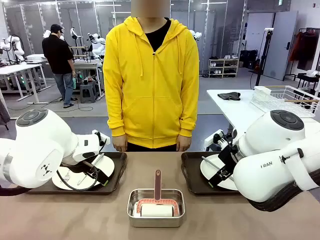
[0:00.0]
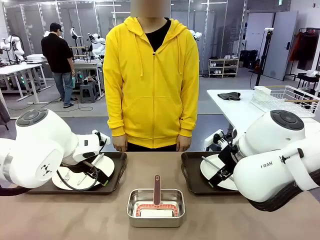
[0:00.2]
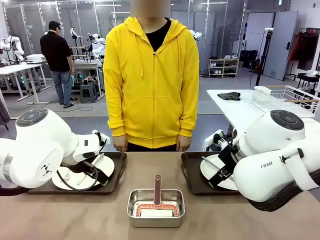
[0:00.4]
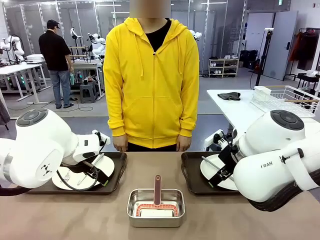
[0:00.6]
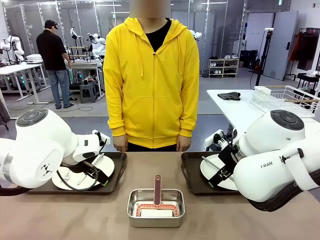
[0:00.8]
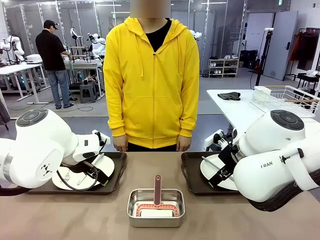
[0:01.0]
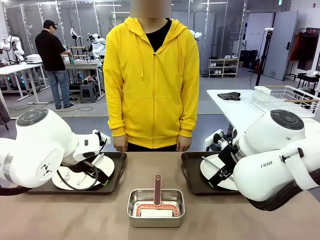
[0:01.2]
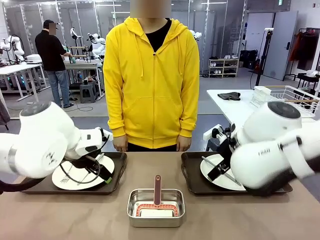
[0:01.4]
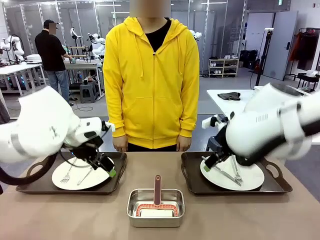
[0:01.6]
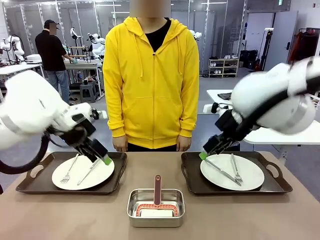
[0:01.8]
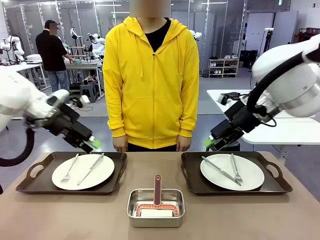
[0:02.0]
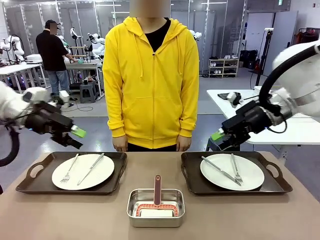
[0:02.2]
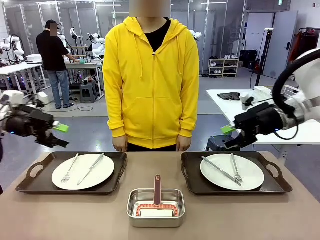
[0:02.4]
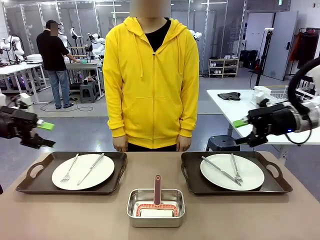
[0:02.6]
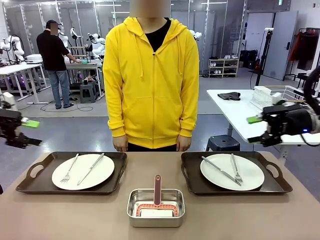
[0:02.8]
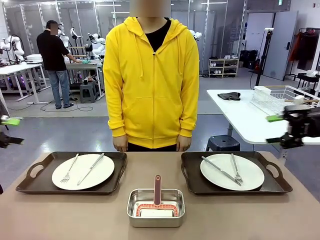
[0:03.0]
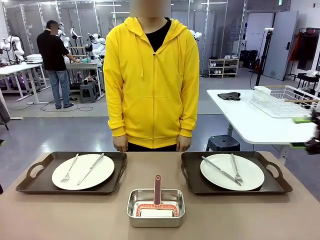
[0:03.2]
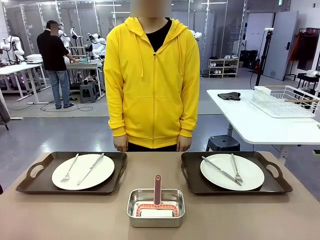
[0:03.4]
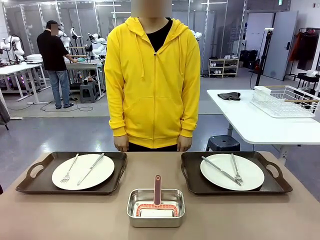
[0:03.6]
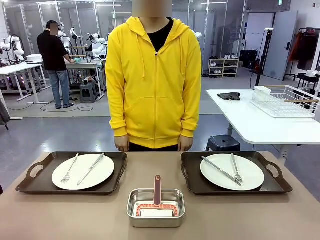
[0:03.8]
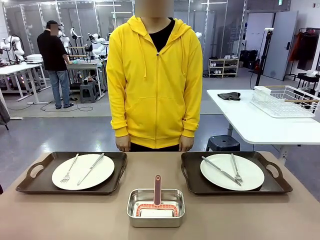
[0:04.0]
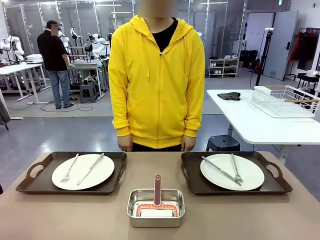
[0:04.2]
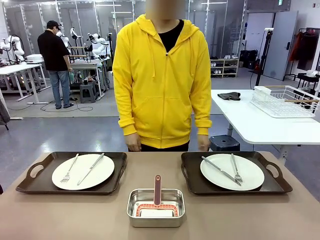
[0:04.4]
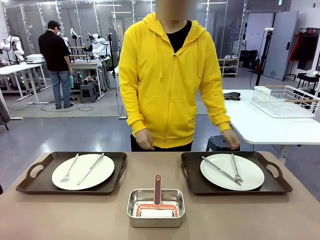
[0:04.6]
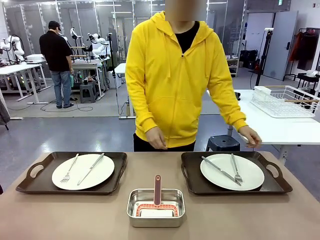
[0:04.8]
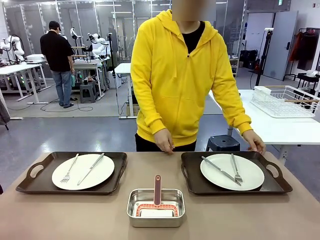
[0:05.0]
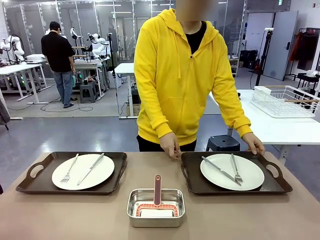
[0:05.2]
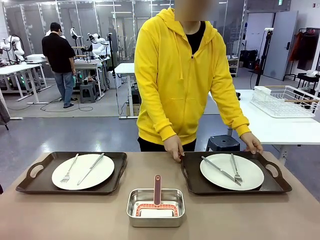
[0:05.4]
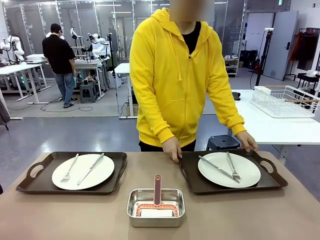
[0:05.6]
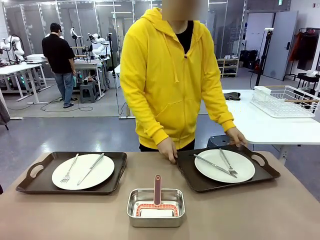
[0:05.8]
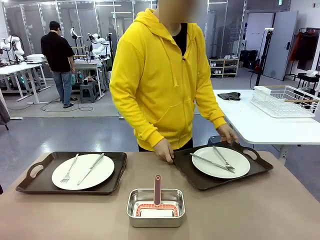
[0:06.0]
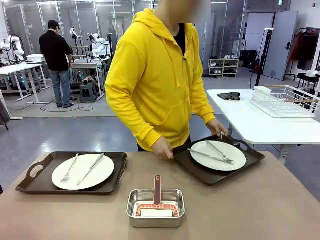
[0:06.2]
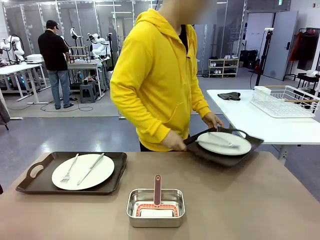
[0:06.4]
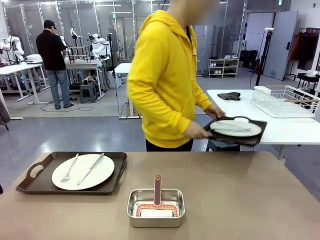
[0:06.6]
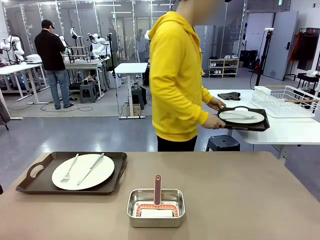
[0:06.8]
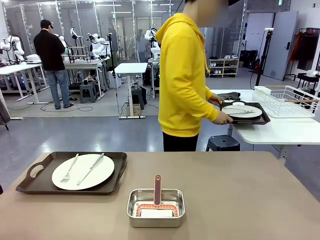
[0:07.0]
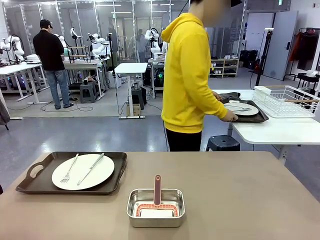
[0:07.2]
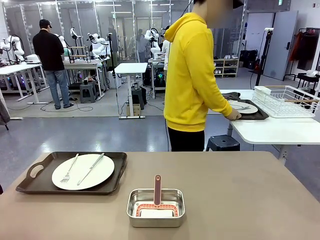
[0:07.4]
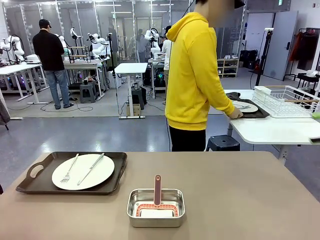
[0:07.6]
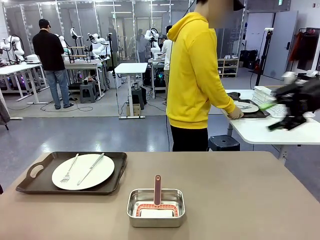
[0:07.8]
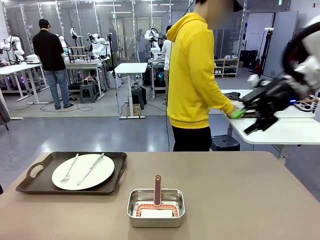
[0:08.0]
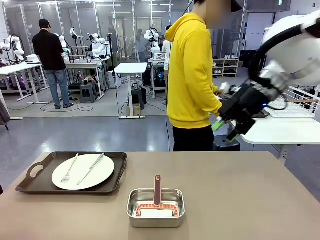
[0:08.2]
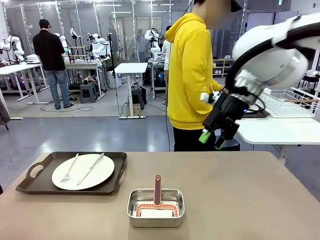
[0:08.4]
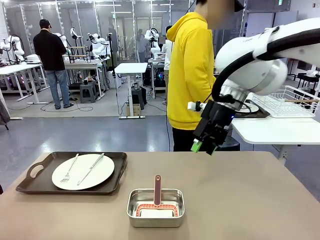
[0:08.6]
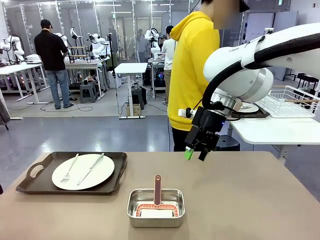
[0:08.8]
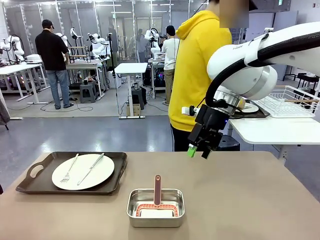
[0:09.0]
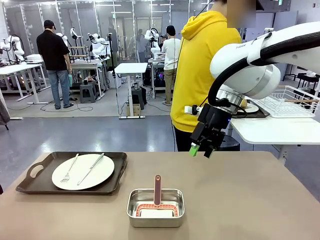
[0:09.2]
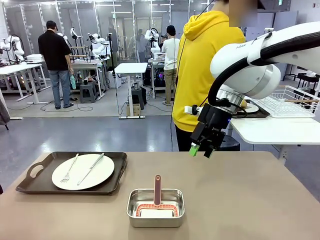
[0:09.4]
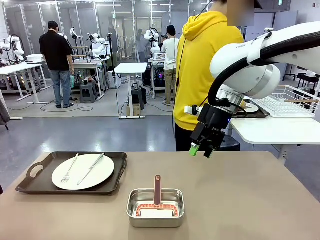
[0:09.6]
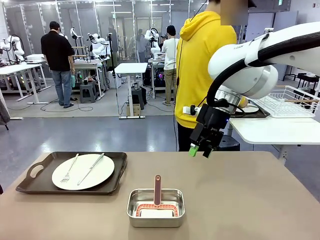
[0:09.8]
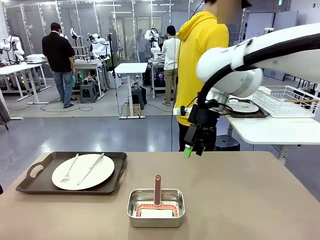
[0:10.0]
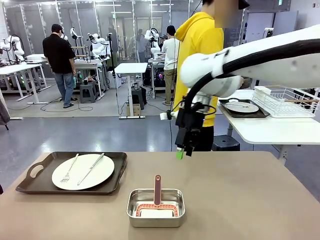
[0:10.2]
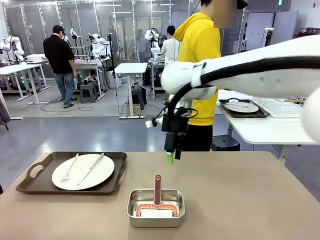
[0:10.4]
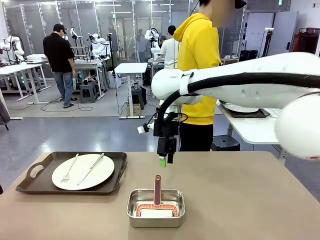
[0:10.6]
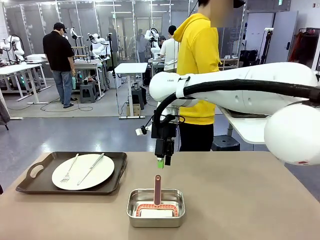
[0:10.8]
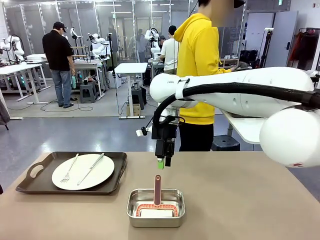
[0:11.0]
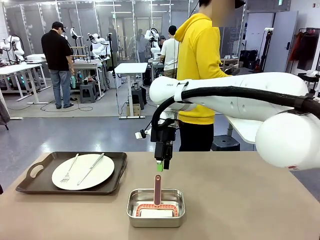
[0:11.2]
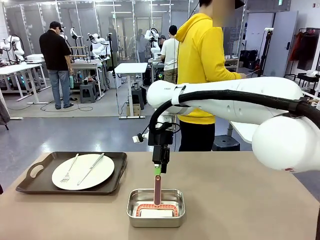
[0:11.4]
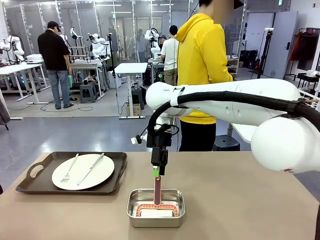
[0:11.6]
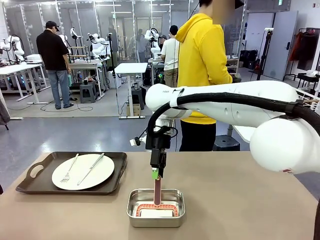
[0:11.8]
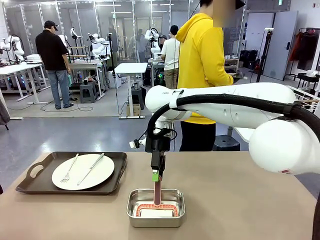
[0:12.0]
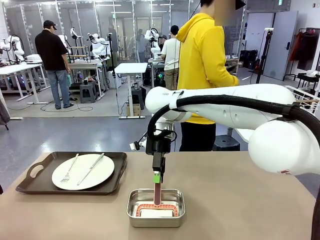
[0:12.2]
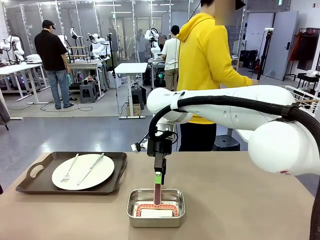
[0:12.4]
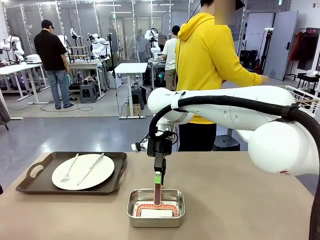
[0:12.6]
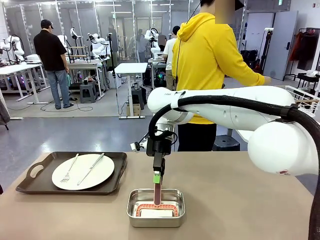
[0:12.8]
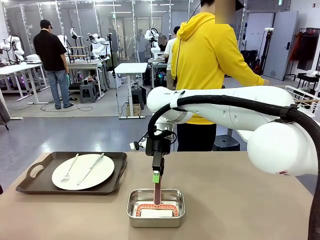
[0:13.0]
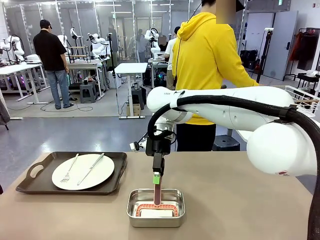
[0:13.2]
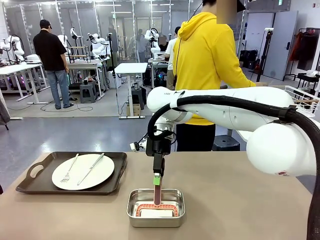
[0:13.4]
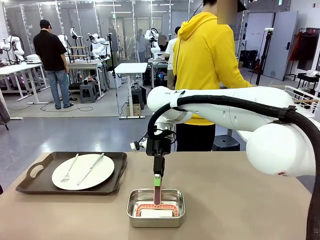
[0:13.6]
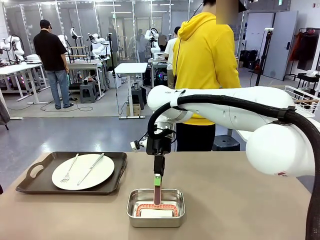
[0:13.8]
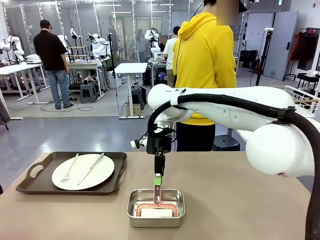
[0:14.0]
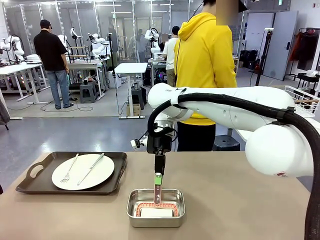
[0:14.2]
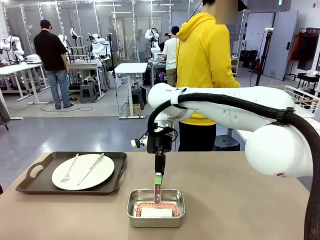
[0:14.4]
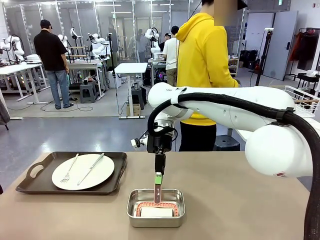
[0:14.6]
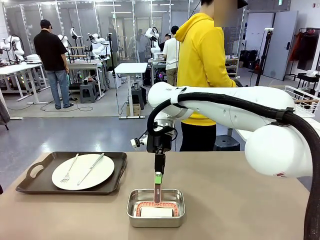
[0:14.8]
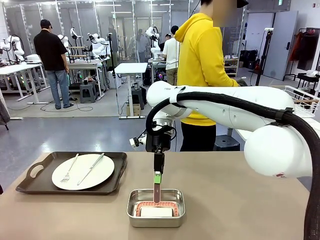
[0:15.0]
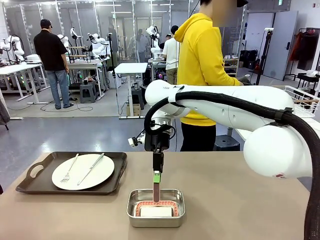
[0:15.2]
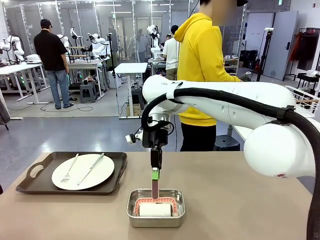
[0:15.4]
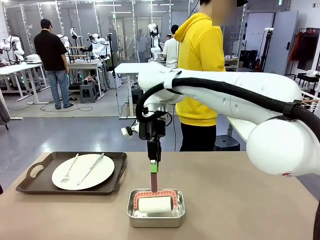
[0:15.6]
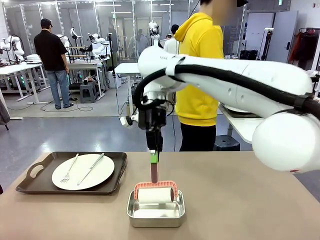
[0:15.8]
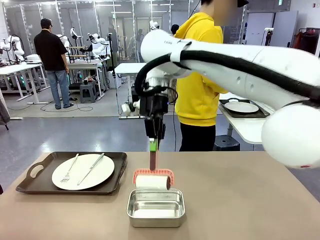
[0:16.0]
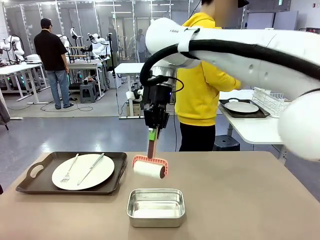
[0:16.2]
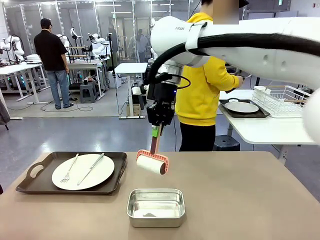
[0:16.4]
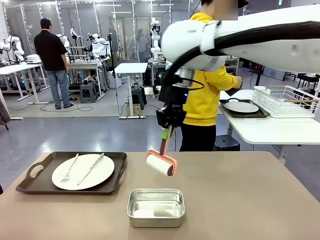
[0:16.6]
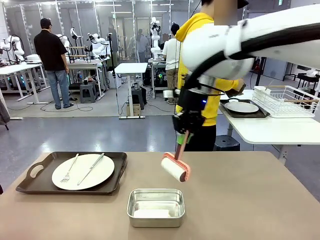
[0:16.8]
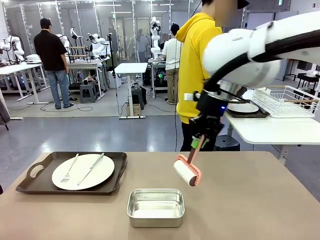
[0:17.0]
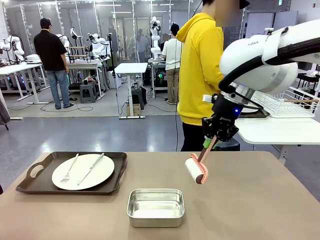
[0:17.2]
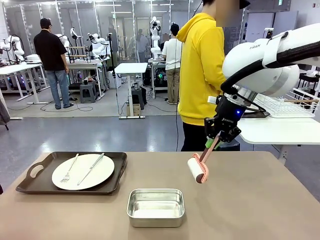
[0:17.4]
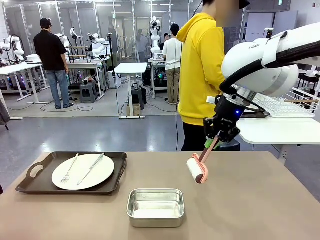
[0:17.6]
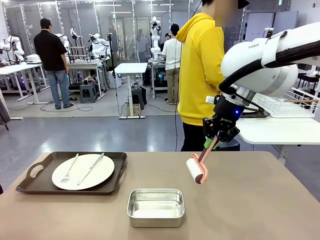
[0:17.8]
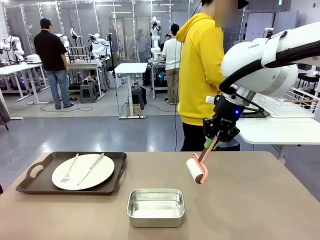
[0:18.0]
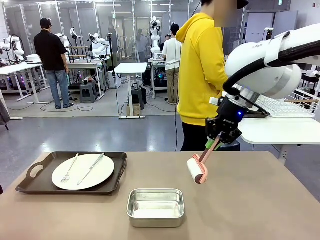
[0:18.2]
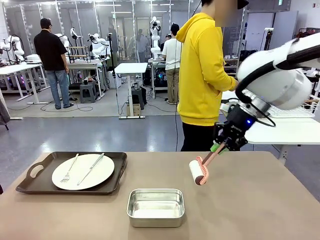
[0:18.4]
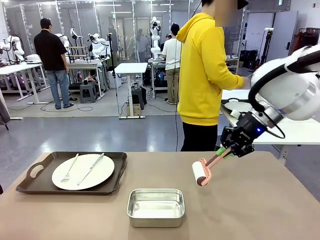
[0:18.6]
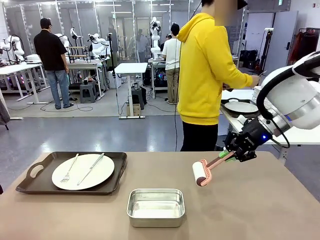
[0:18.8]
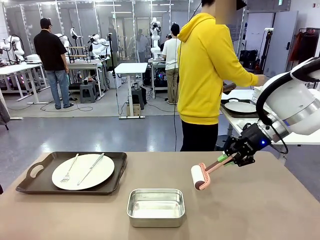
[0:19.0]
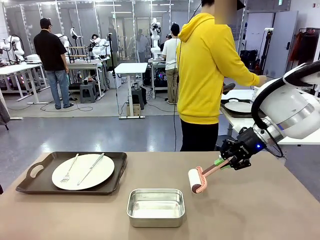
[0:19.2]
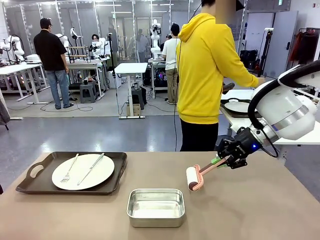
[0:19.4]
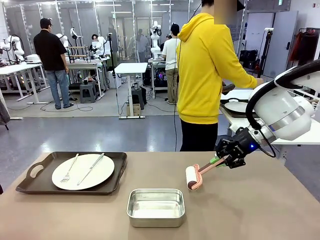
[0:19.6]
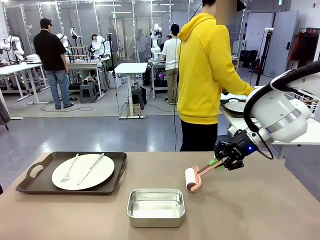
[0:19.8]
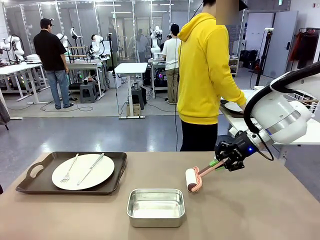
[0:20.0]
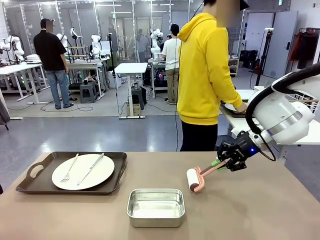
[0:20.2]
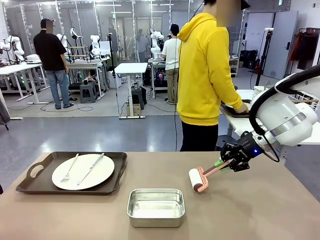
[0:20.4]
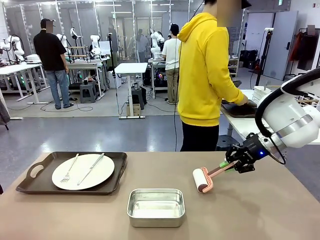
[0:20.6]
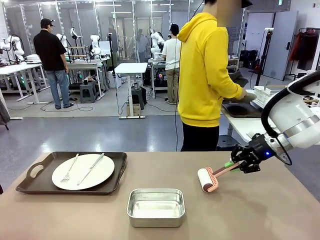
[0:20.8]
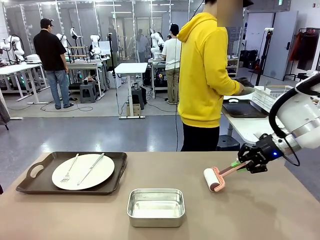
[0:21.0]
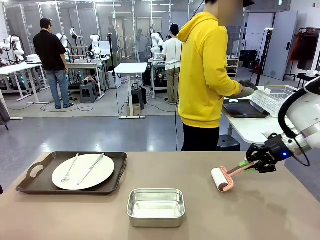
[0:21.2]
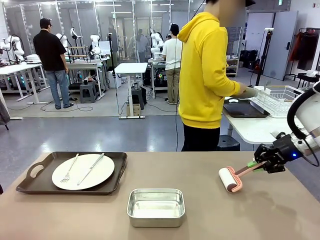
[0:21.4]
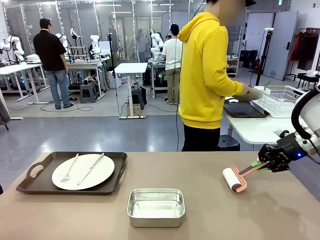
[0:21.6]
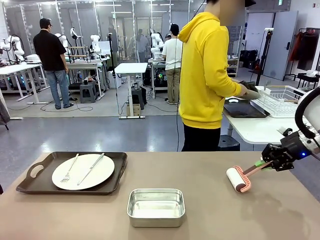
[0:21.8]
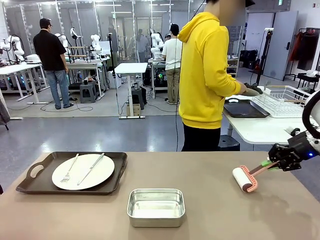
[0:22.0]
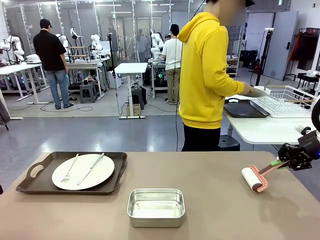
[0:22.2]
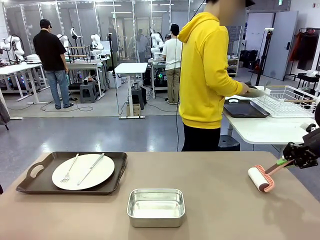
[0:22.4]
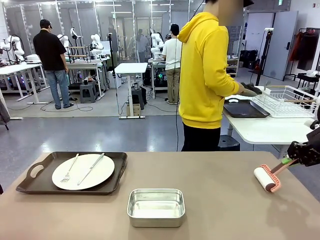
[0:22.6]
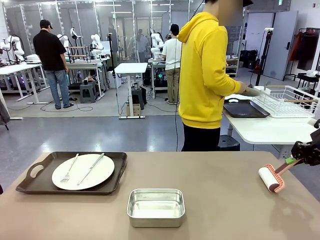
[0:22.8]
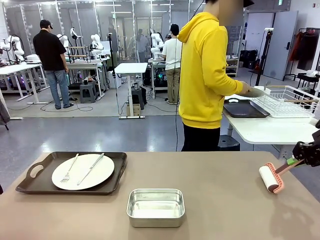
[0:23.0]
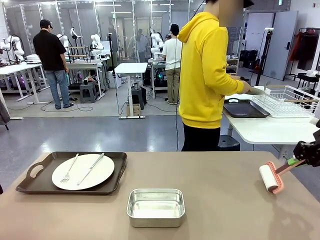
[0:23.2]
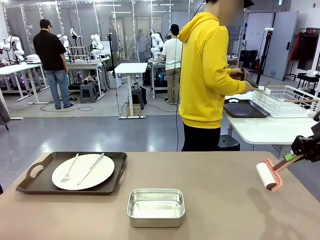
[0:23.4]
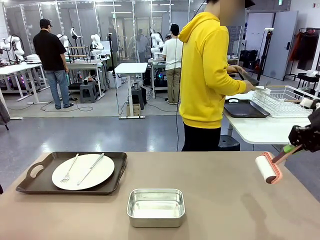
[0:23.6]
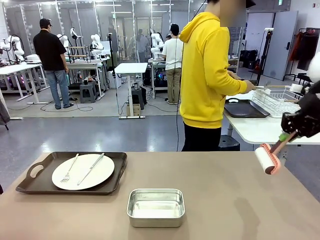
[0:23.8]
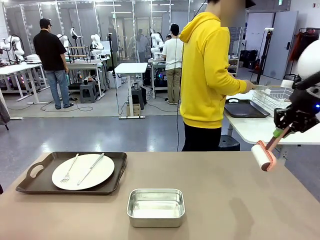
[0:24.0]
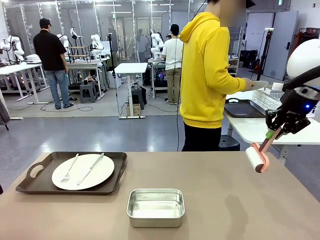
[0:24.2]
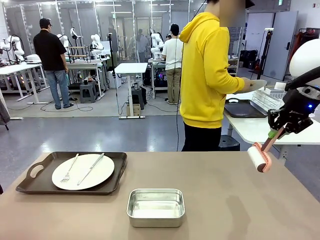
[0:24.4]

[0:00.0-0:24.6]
Robot: When the left (or right) Handle tray is removed, use the left hand (or right hand) to clean the left (or right) side of the table with the Lint Roller.
Person: Pick up the left (or right) Handle tray and place it on the middle of the Human's table. Use the Towel with hook to wipe the Plastic Matte Plate , Fork , and Knife and place into the Dish drying rack.
